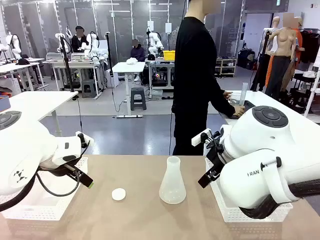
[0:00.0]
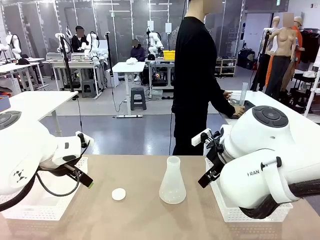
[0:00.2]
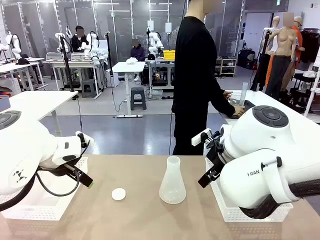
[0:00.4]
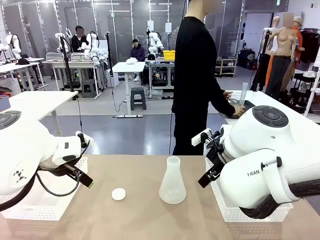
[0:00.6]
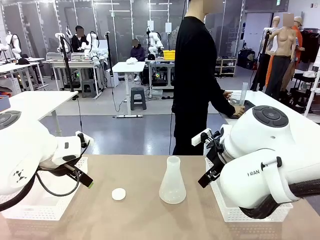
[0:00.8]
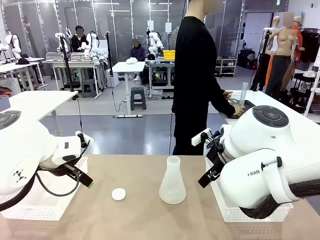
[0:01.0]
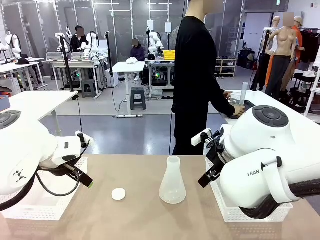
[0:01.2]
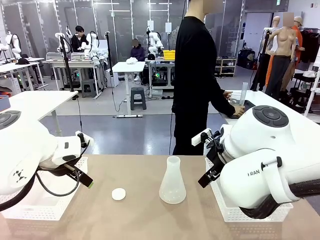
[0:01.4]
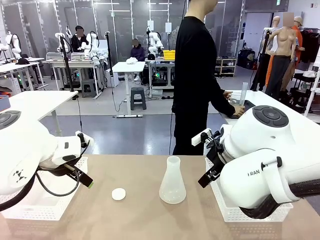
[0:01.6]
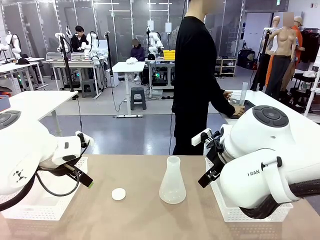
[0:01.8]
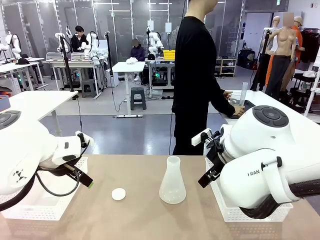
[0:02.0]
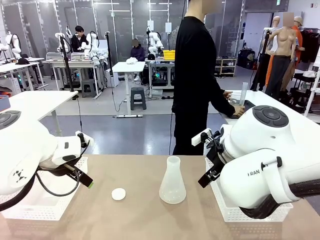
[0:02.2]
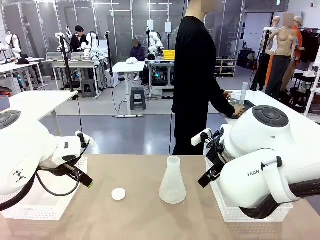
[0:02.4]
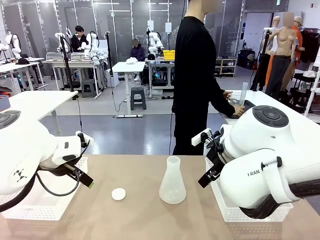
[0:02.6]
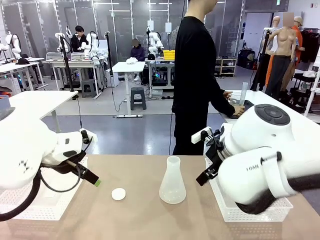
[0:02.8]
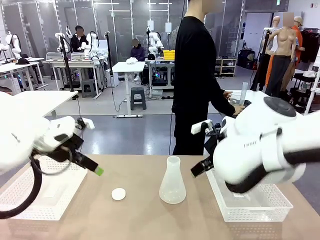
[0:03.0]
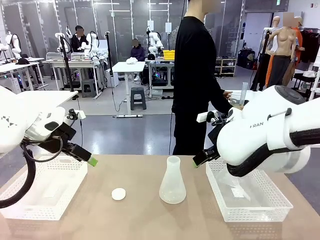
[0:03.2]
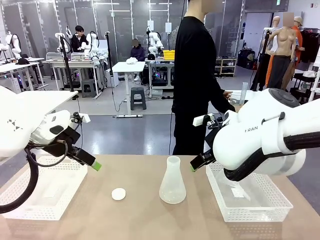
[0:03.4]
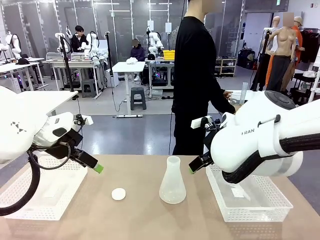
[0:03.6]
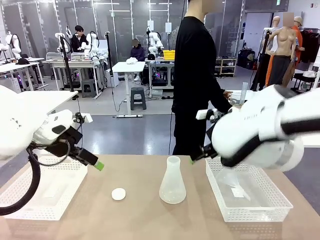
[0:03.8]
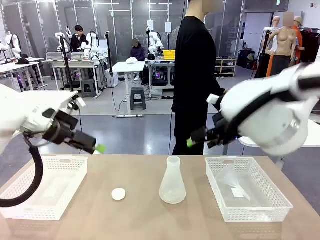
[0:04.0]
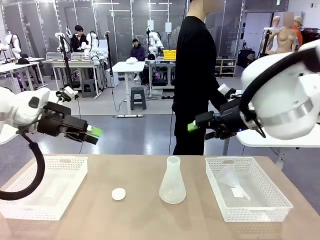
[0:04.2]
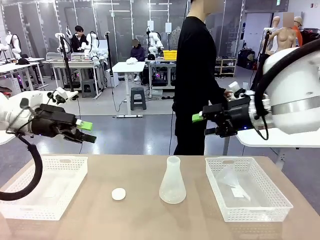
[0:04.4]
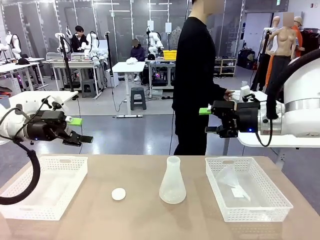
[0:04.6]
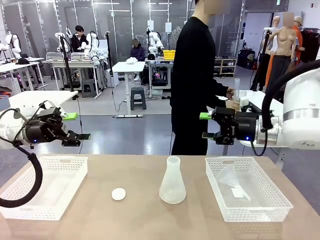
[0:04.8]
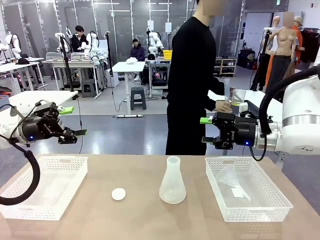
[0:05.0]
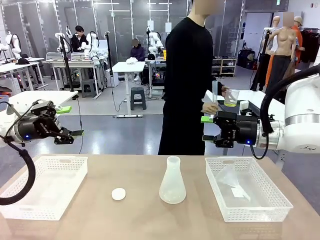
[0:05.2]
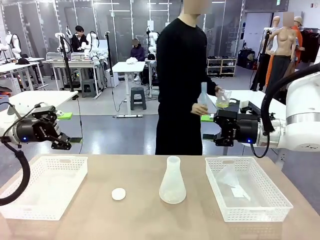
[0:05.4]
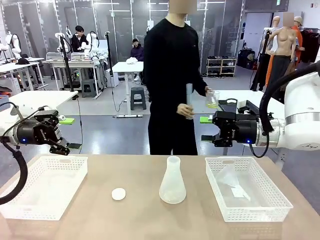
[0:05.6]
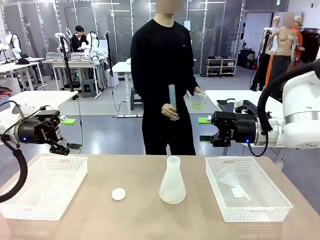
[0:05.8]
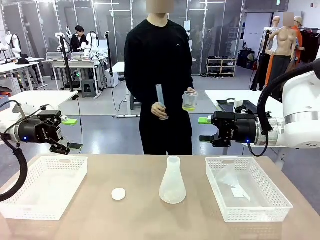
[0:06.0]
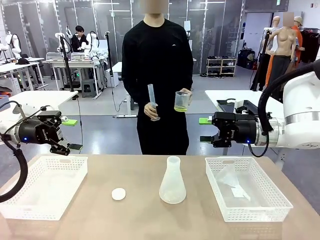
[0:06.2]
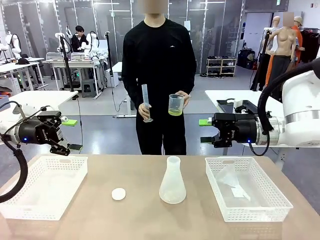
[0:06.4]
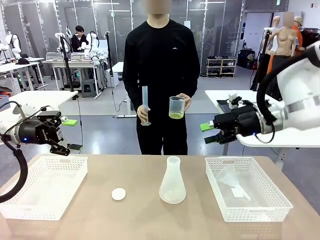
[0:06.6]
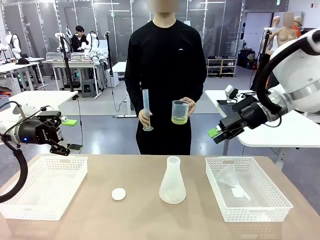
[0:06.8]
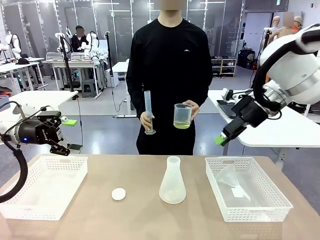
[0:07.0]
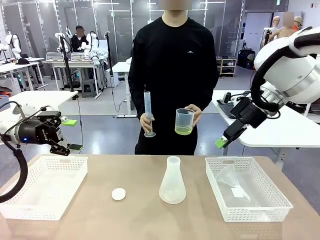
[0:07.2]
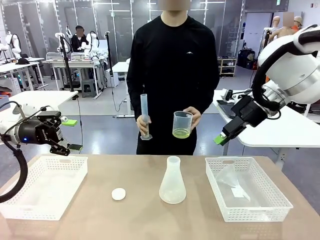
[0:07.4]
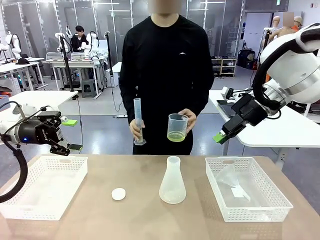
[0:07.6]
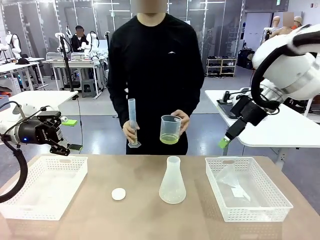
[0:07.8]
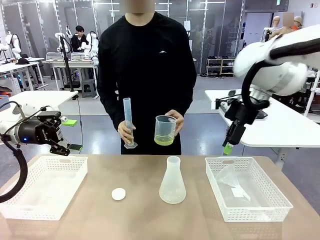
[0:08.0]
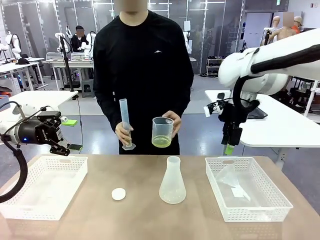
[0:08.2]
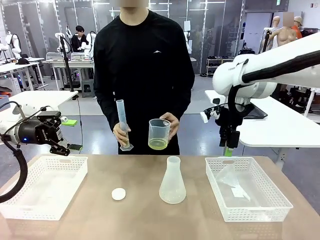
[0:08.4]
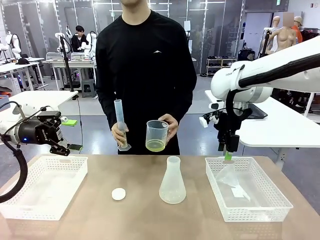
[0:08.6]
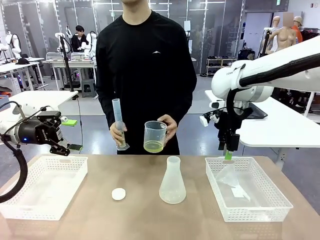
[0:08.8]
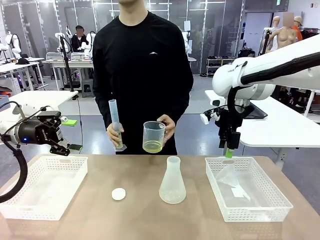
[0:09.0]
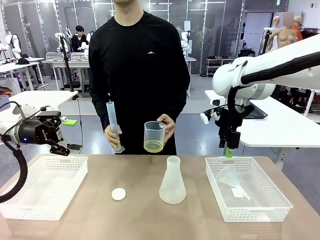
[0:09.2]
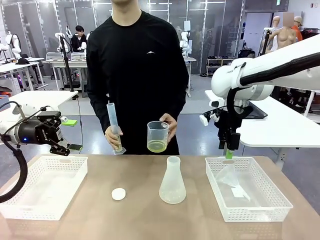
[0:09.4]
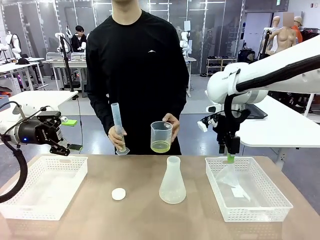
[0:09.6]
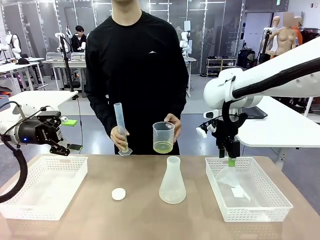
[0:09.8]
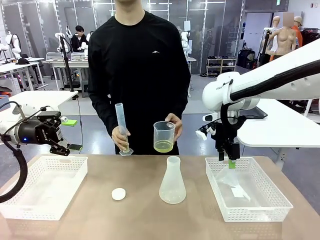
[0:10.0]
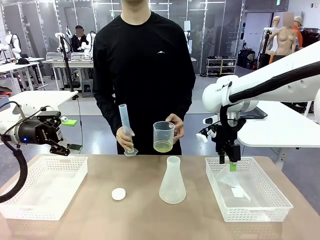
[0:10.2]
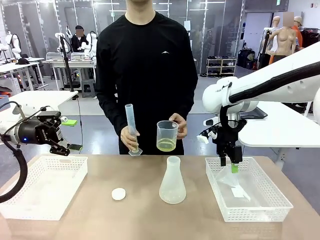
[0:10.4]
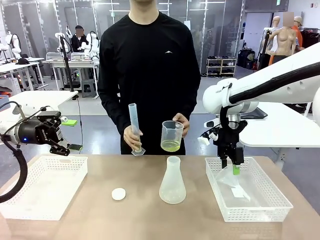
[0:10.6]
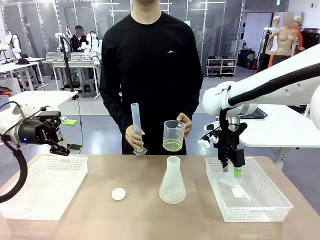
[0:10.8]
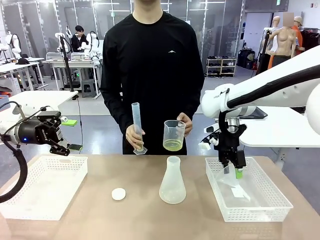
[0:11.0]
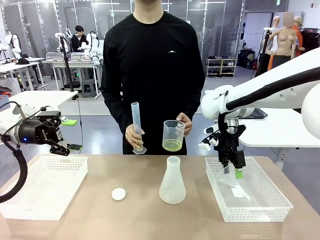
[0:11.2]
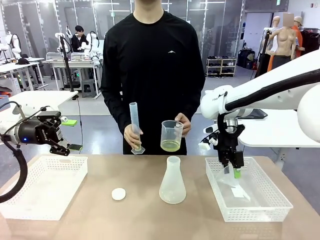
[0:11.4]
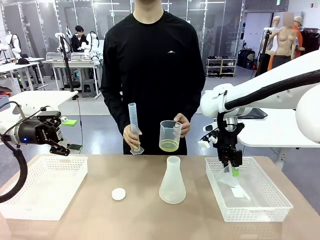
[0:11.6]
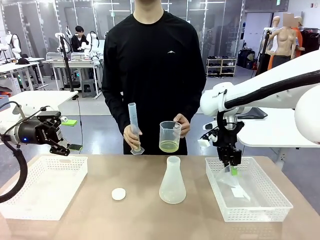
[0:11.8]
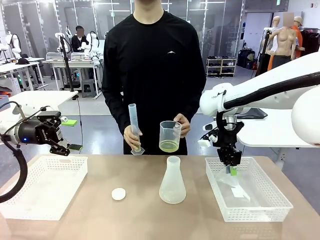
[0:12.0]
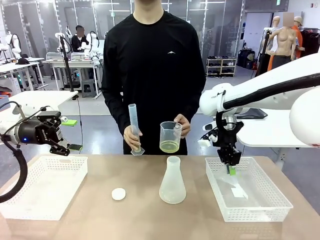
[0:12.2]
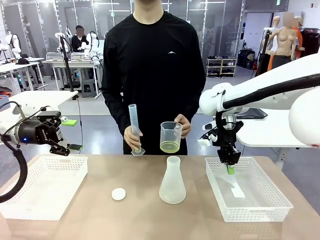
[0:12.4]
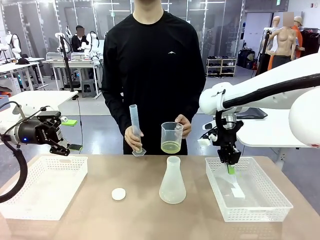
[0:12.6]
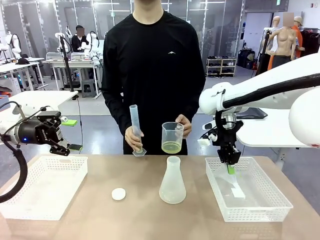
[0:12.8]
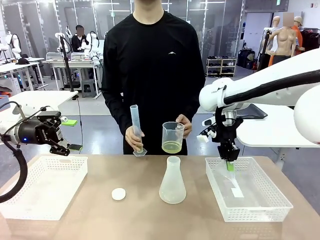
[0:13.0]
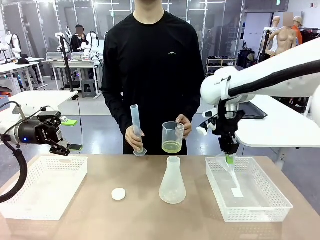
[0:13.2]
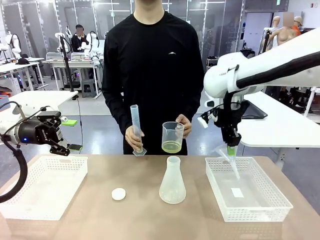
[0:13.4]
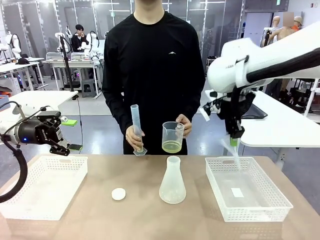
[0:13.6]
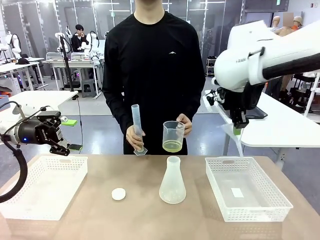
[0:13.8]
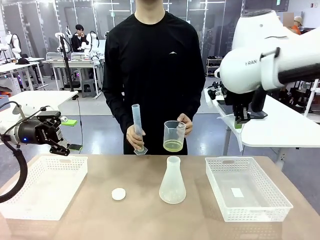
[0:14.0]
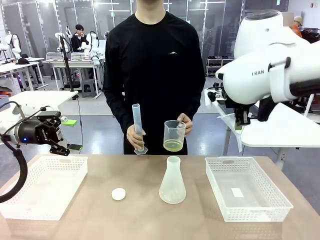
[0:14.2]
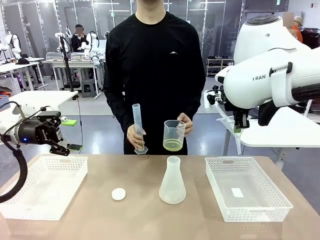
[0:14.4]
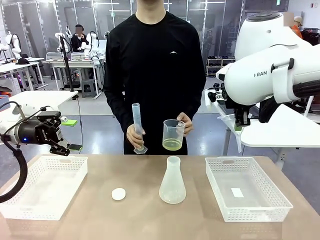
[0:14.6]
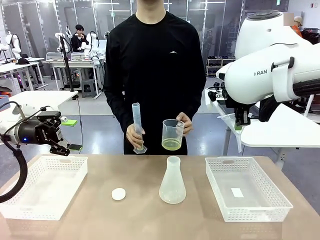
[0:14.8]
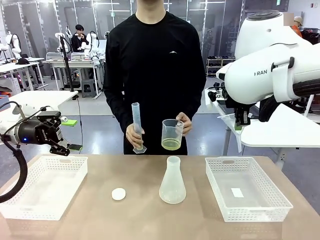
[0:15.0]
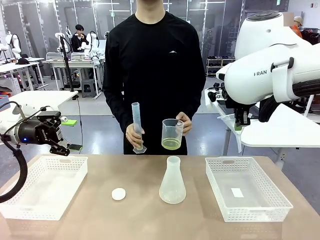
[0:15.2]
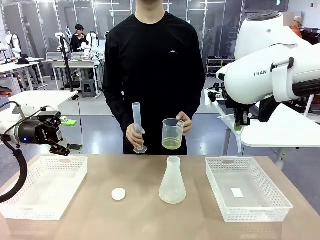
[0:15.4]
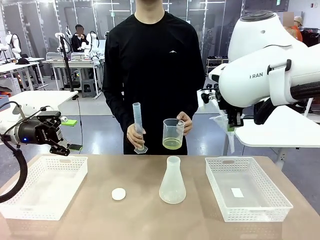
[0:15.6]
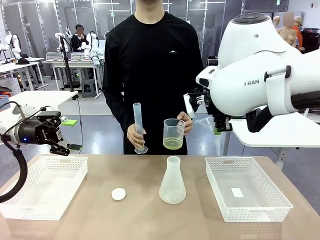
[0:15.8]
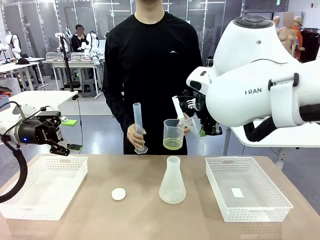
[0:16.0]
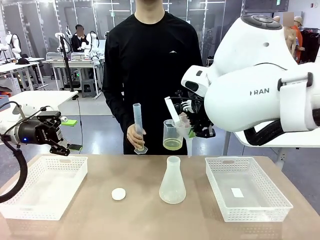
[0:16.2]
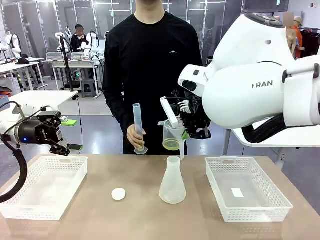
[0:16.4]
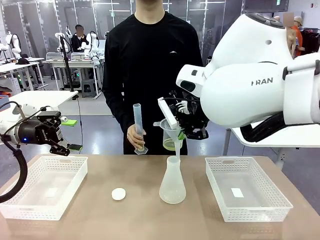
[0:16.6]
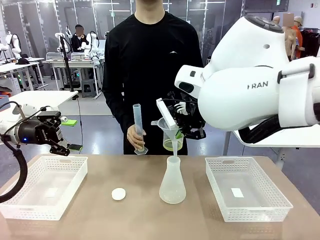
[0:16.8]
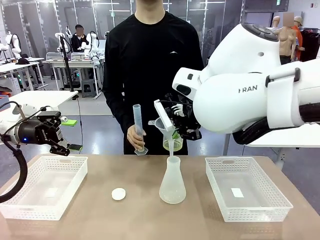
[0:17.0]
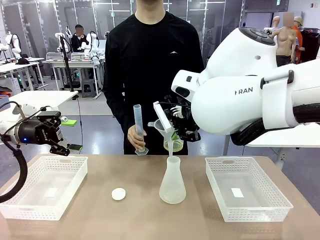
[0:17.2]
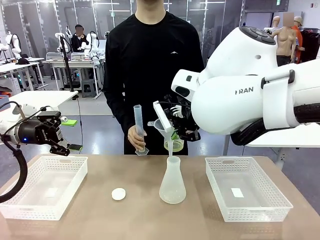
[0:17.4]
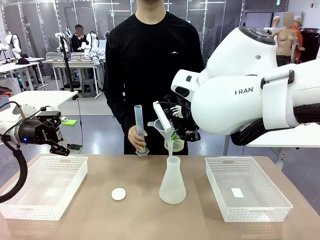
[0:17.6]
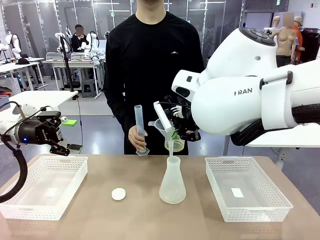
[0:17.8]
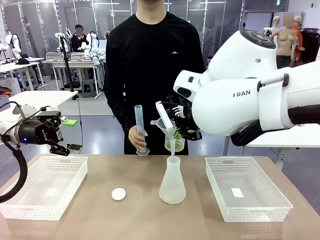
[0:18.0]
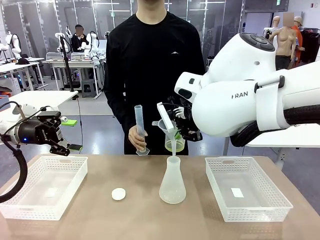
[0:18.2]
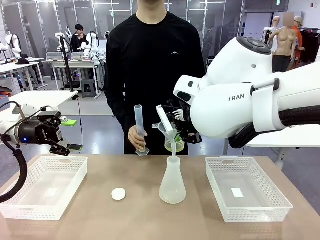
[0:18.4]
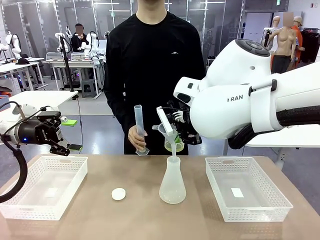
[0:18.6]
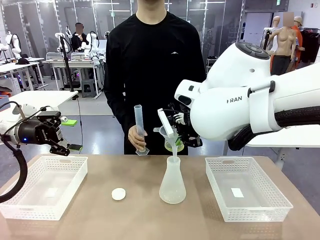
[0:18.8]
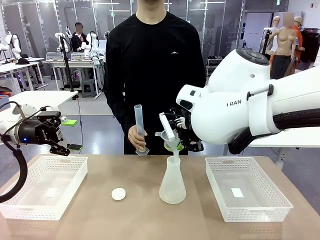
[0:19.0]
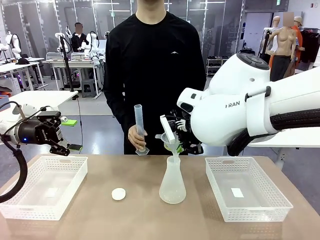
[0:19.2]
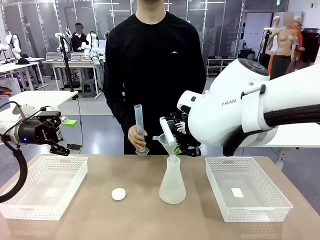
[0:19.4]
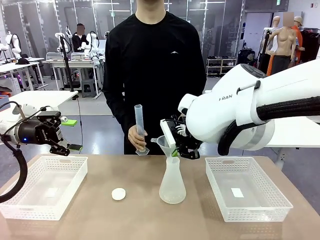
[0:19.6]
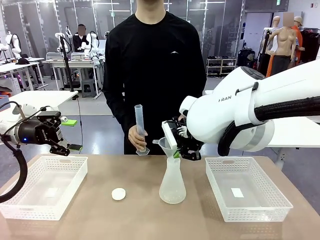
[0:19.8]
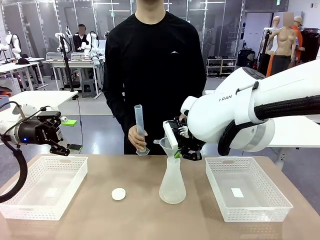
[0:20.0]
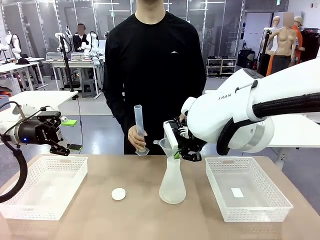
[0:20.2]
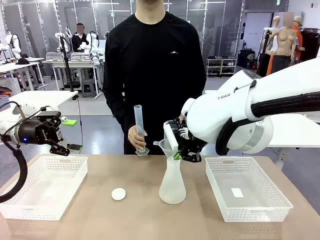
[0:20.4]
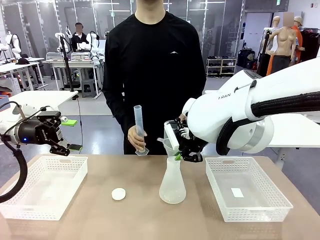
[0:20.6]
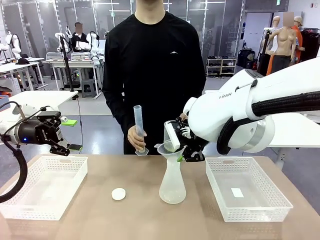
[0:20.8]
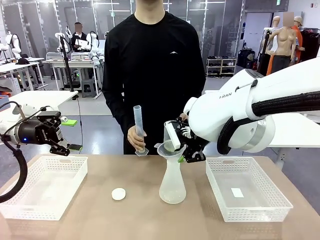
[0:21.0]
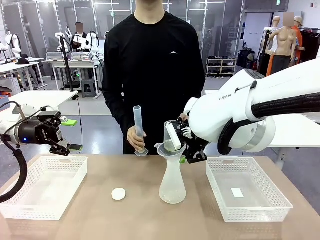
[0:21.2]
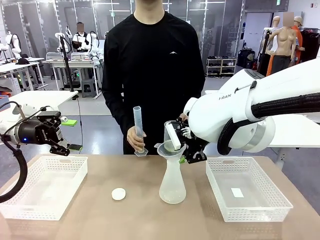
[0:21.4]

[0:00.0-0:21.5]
Task: Prepare the solutions needed for the experiment.
Robot: Pick up the Plastic Funnel and insert it into the Big flask.
Person: Pick up the beaker and the cylinder and move to the middle of the robot table. Pour the solution from the beaker and the cylinder into the flask.
